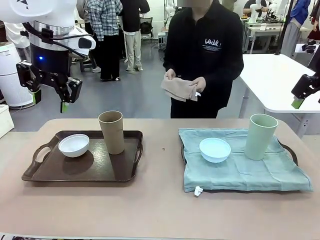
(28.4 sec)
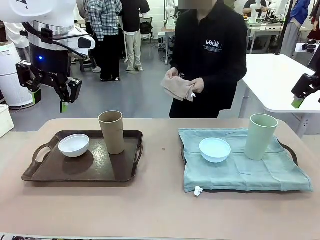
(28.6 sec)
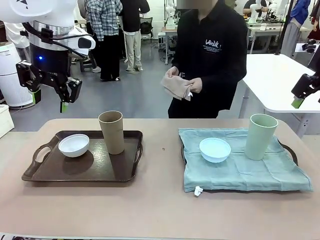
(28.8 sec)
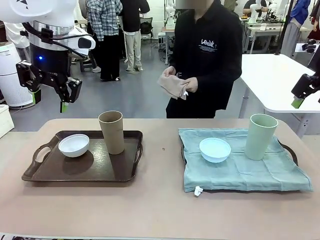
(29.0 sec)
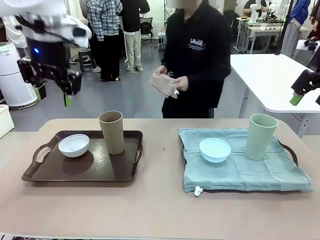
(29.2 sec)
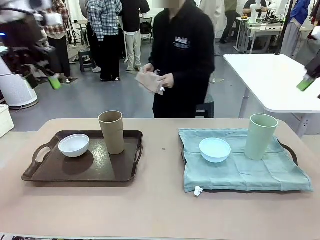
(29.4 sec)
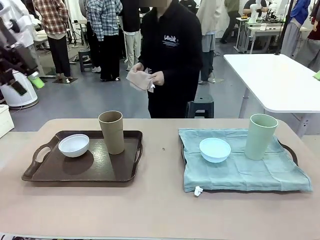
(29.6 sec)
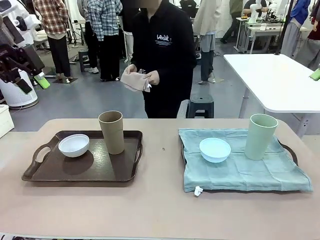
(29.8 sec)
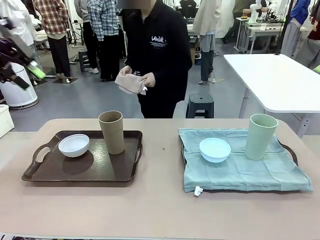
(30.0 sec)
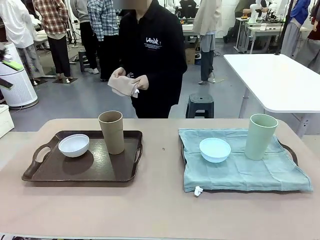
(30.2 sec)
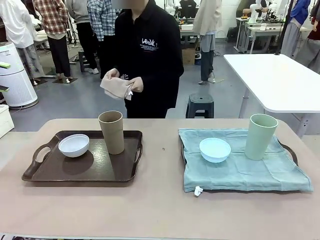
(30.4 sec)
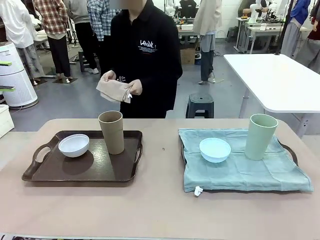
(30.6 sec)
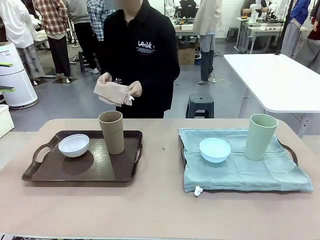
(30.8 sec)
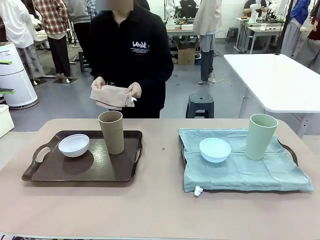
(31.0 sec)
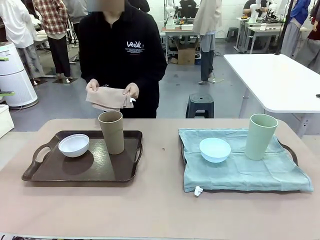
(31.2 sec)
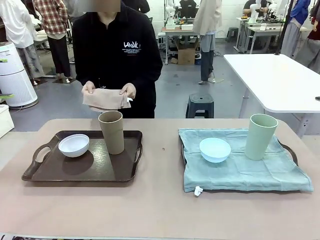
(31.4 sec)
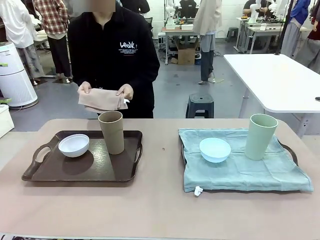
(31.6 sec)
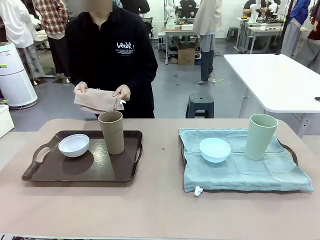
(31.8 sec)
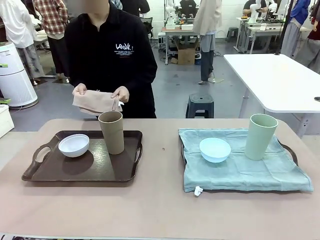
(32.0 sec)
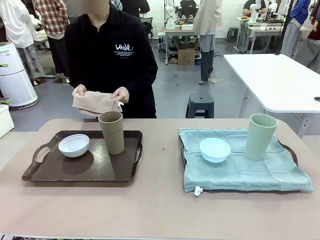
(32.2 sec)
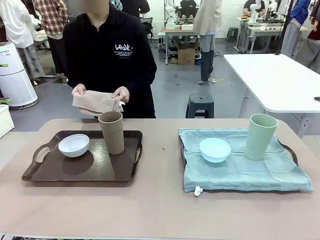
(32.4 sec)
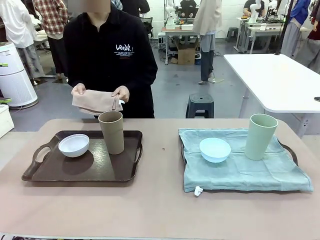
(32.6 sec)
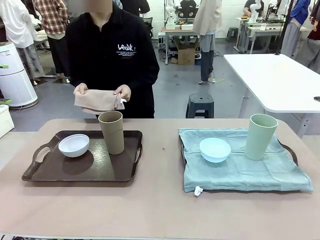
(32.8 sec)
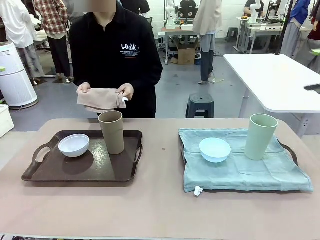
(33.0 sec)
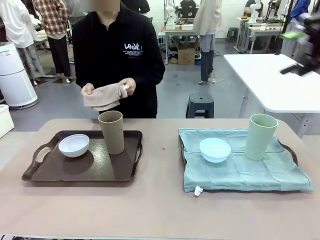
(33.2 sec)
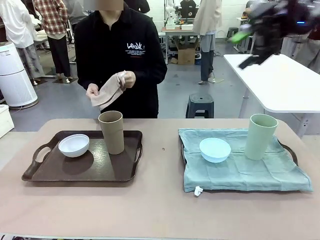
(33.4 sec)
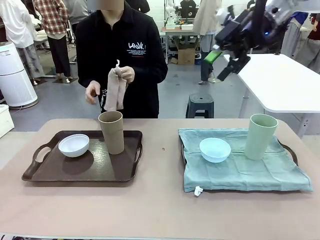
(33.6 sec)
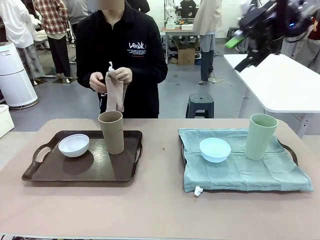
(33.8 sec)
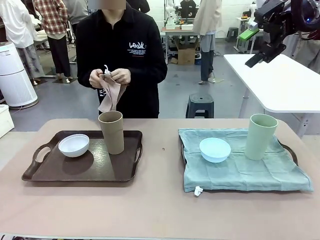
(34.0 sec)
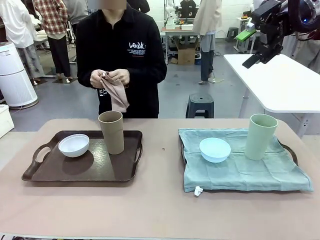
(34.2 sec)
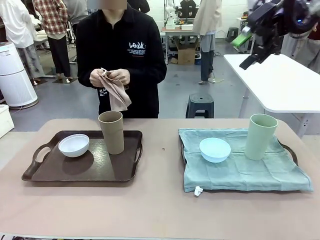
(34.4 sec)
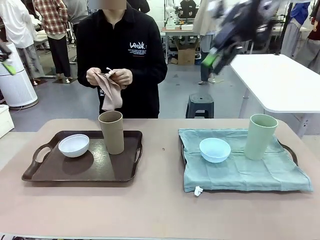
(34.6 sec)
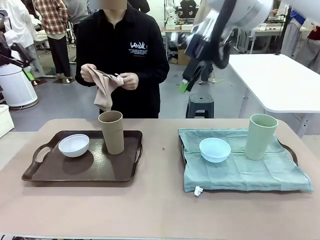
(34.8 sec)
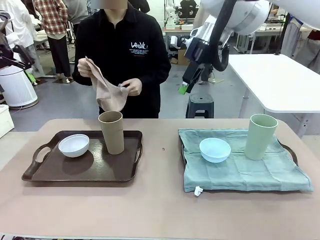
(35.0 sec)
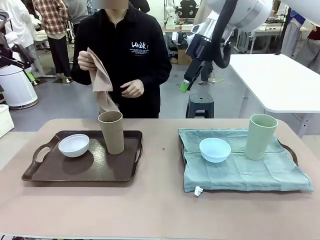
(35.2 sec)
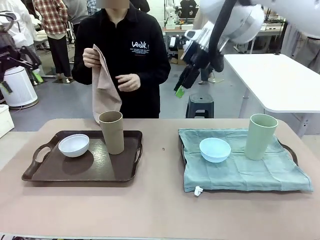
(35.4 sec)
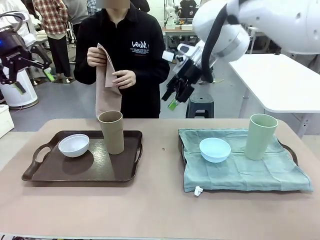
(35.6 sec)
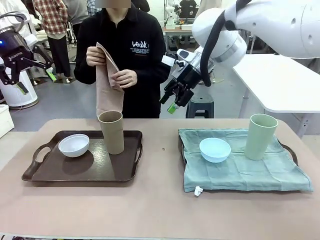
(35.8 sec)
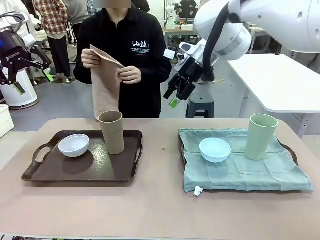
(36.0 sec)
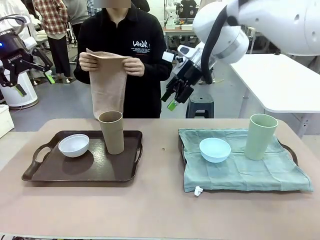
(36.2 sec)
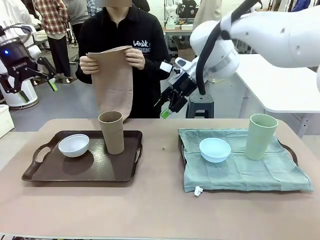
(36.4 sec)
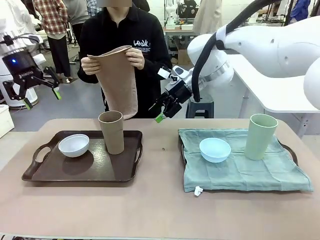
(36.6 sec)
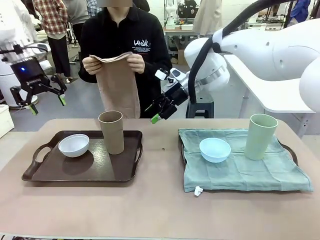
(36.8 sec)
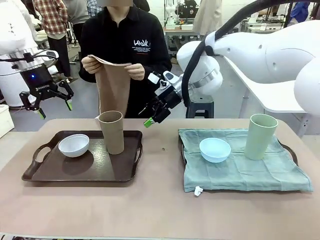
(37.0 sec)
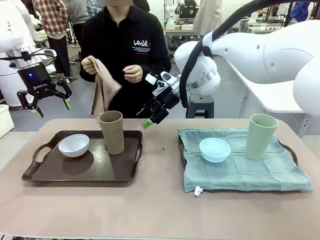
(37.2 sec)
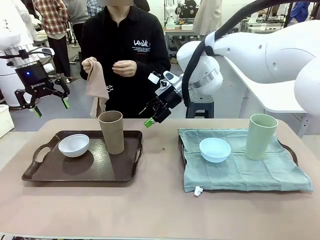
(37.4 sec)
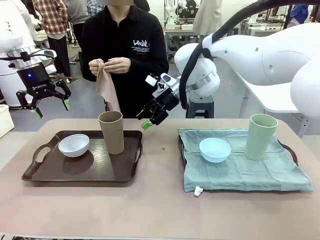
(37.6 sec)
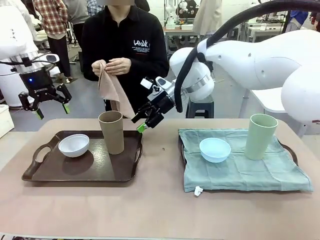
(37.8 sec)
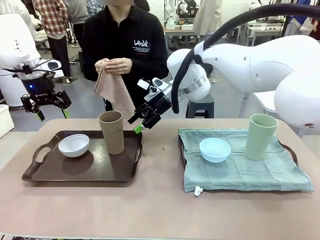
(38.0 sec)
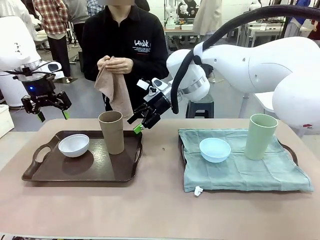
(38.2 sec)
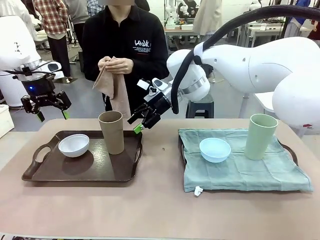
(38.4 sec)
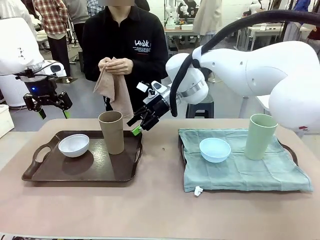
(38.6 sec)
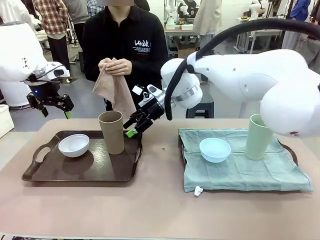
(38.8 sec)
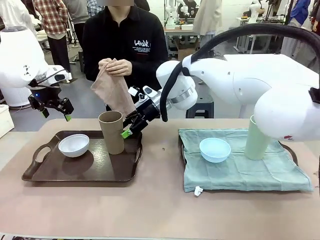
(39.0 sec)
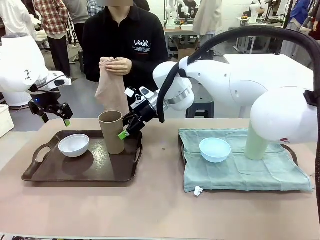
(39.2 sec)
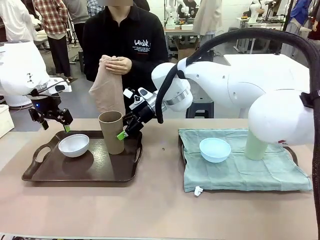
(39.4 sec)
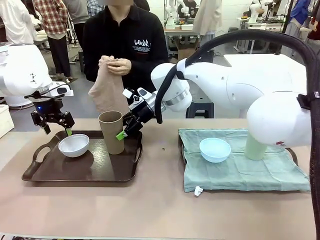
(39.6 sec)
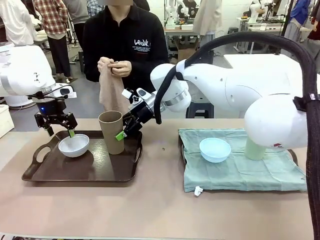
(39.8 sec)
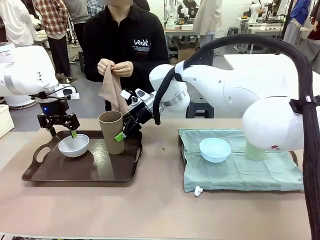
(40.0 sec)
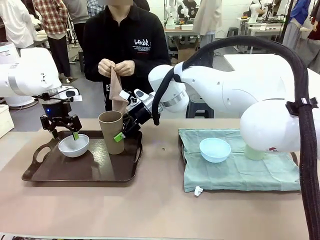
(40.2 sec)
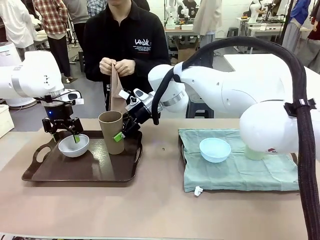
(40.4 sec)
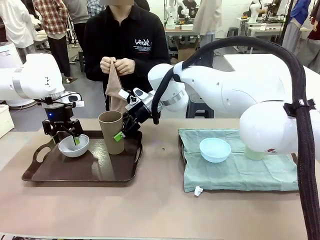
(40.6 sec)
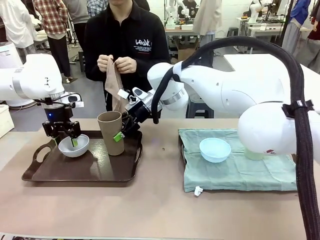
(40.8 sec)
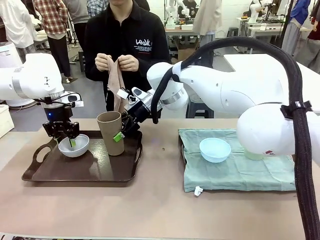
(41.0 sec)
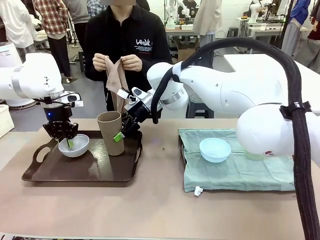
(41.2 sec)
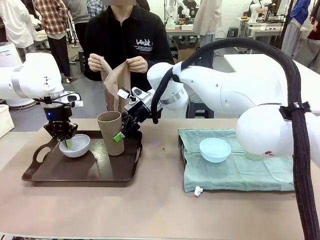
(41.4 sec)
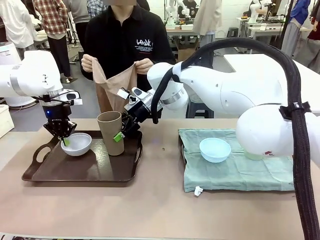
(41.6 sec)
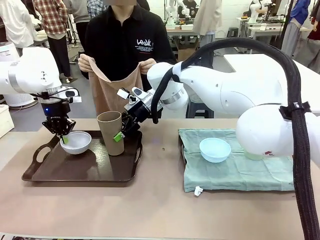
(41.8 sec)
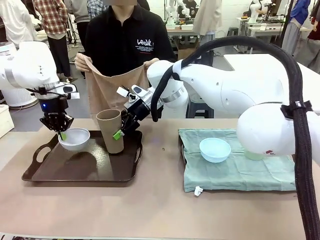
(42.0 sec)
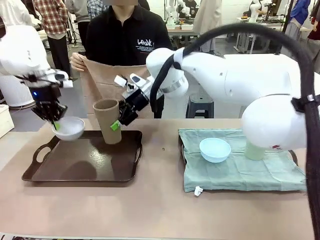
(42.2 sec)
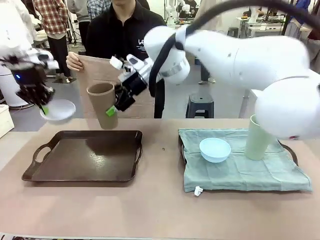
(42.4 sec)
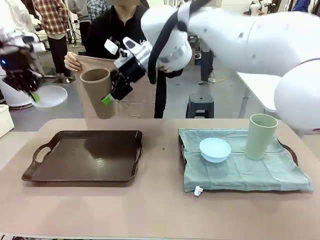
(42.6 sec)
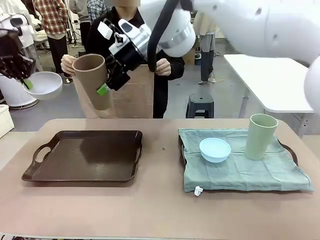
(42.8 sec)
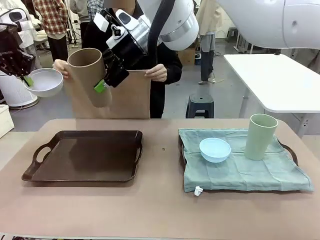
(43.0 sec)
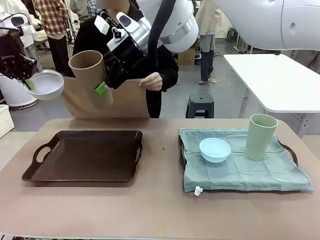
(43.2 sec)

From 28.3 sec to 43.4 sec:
Robot: Pick up the Picnic Bowl and Reusable plastic cup from the Handle tray in front of the human's position and hold them in the air.
